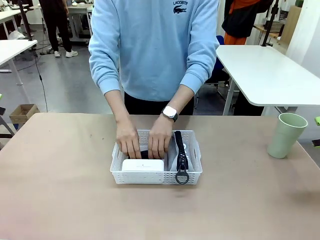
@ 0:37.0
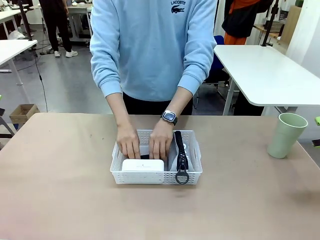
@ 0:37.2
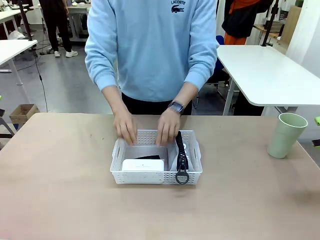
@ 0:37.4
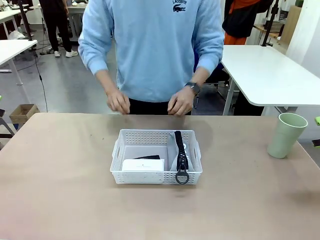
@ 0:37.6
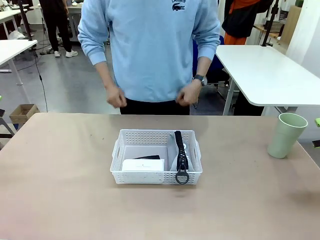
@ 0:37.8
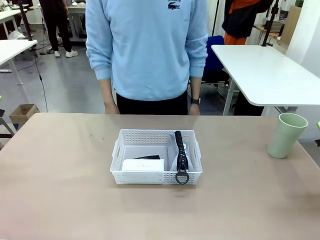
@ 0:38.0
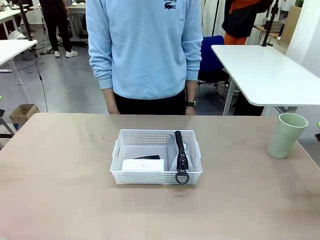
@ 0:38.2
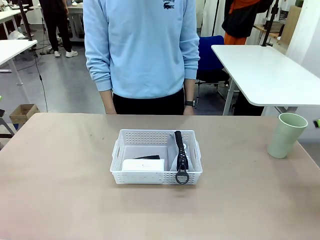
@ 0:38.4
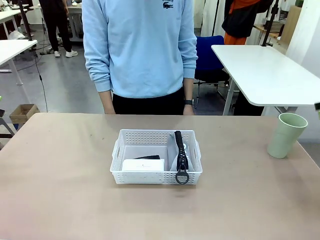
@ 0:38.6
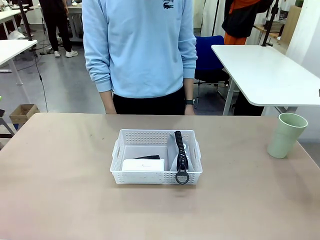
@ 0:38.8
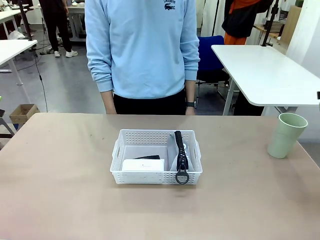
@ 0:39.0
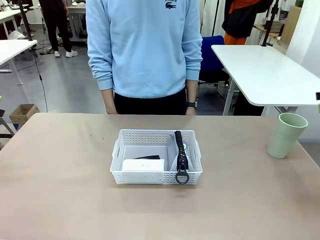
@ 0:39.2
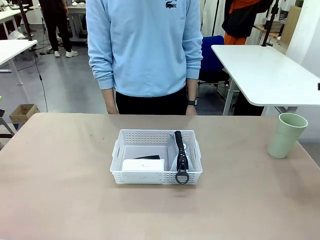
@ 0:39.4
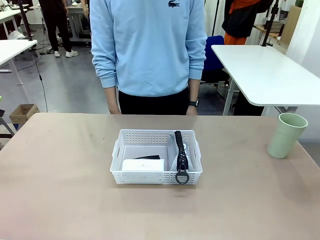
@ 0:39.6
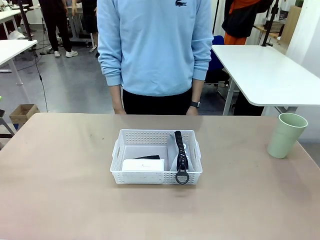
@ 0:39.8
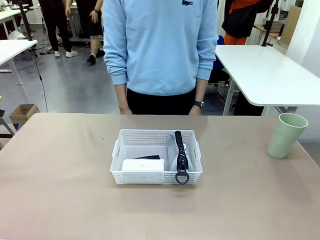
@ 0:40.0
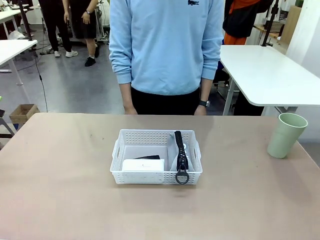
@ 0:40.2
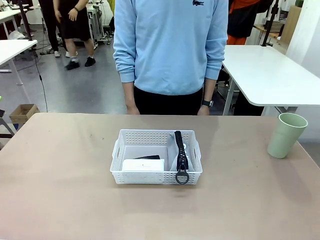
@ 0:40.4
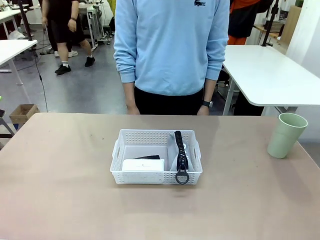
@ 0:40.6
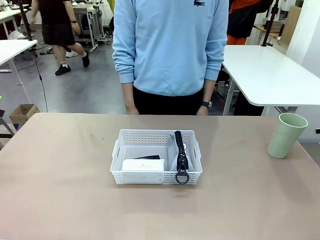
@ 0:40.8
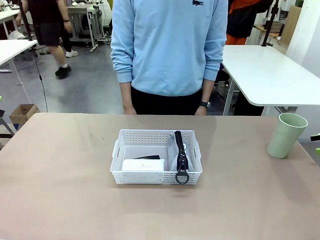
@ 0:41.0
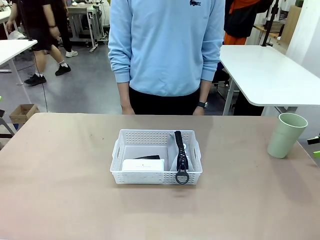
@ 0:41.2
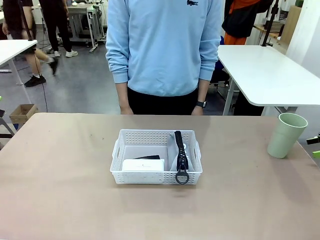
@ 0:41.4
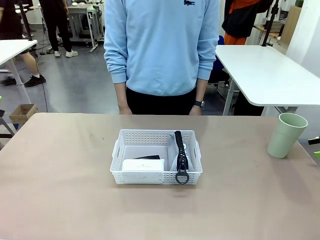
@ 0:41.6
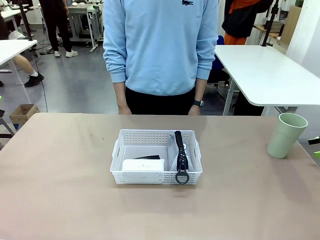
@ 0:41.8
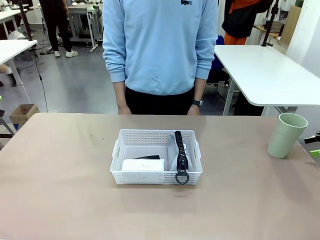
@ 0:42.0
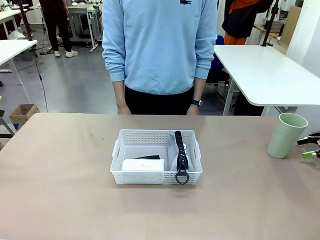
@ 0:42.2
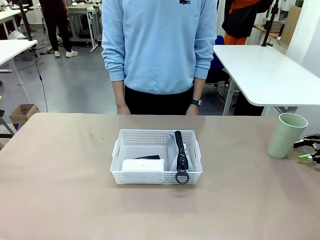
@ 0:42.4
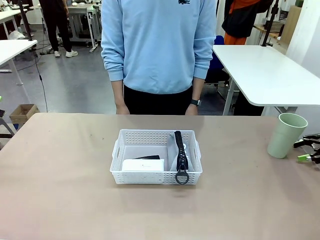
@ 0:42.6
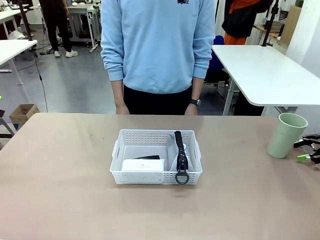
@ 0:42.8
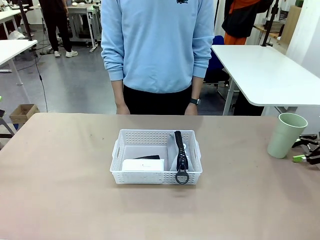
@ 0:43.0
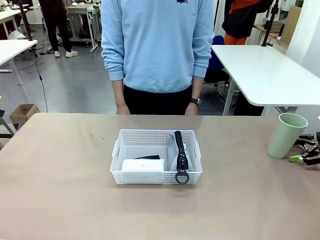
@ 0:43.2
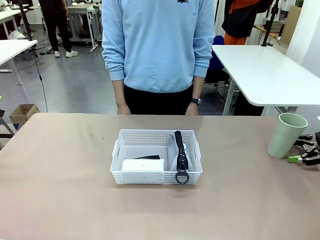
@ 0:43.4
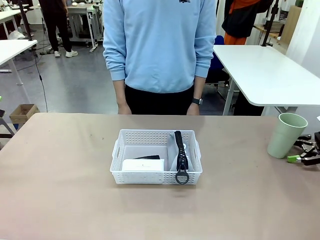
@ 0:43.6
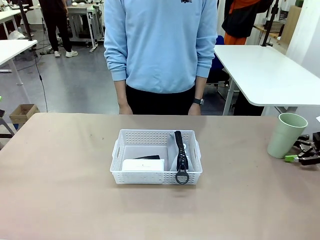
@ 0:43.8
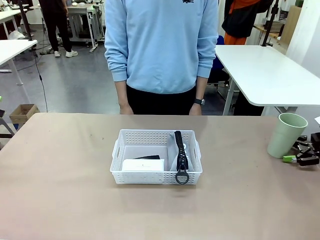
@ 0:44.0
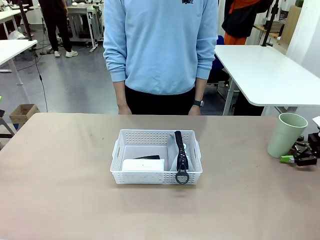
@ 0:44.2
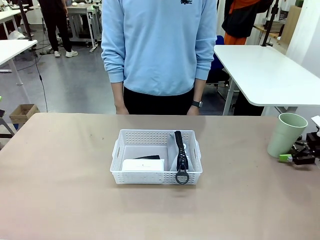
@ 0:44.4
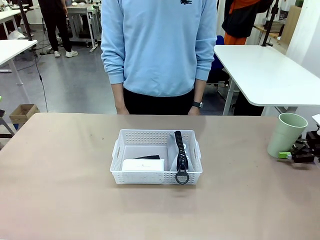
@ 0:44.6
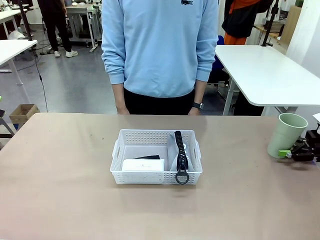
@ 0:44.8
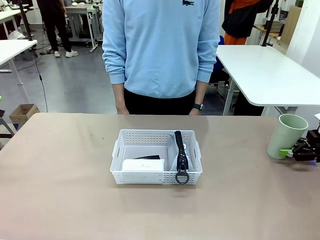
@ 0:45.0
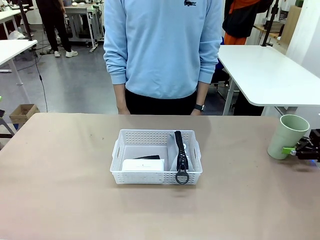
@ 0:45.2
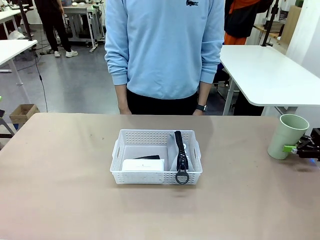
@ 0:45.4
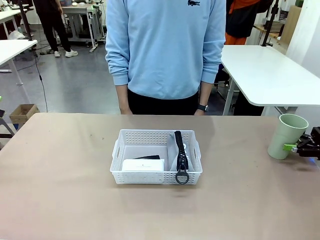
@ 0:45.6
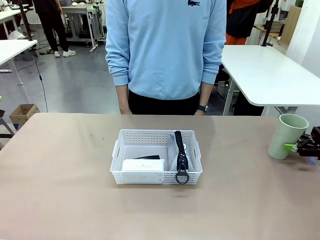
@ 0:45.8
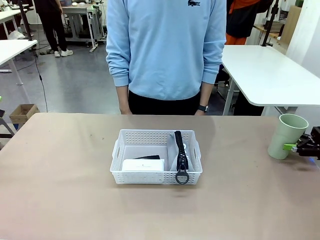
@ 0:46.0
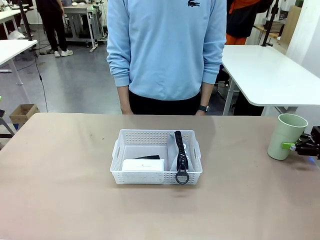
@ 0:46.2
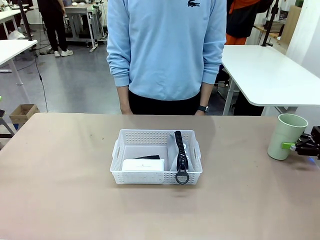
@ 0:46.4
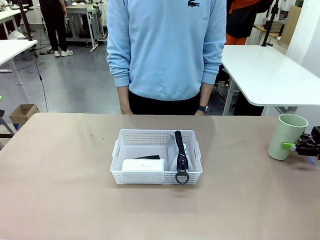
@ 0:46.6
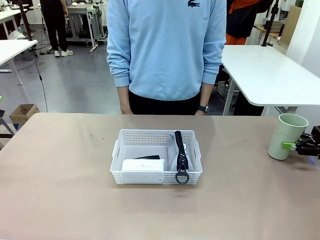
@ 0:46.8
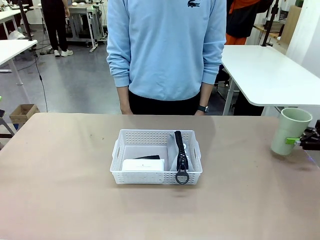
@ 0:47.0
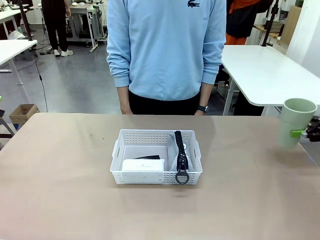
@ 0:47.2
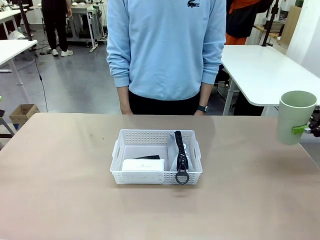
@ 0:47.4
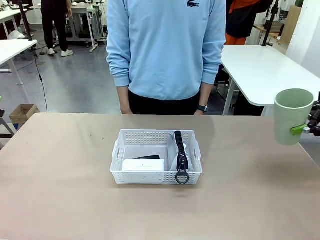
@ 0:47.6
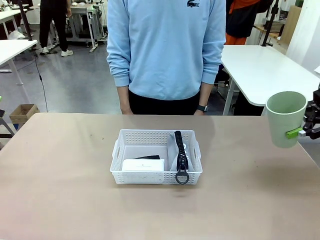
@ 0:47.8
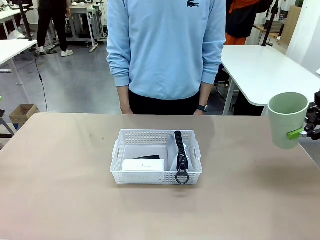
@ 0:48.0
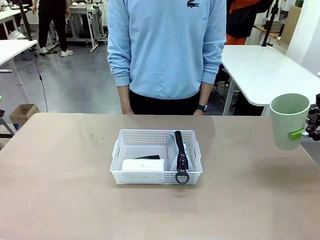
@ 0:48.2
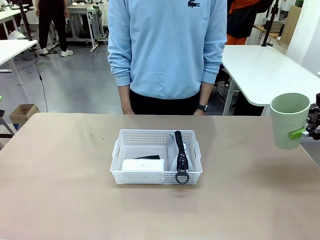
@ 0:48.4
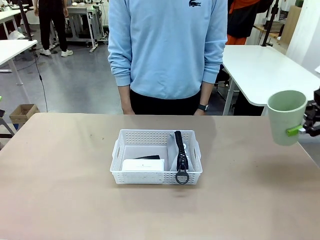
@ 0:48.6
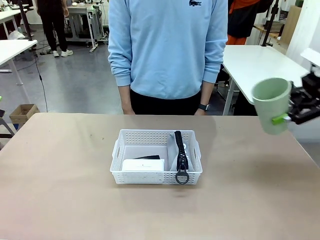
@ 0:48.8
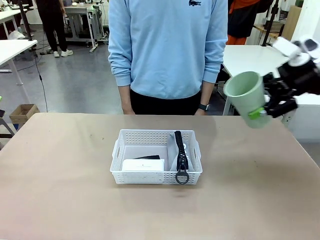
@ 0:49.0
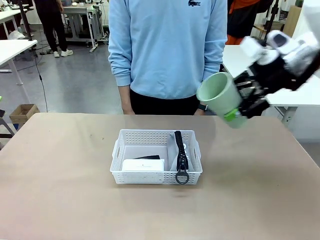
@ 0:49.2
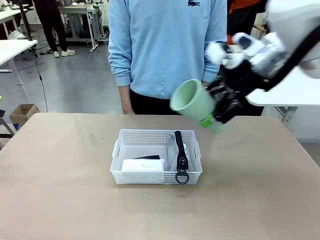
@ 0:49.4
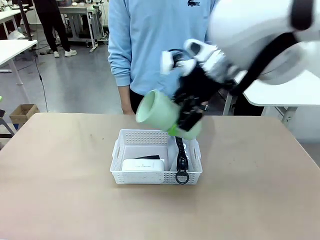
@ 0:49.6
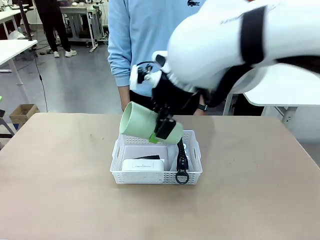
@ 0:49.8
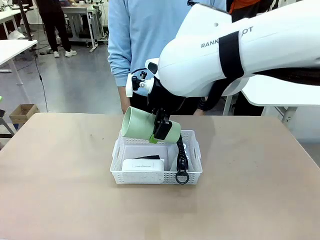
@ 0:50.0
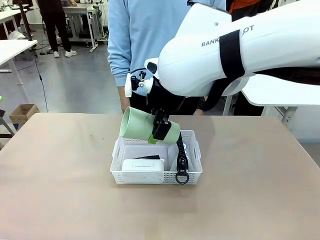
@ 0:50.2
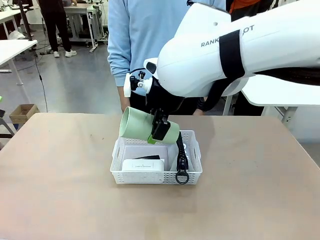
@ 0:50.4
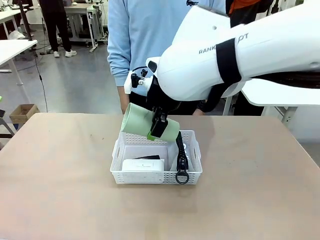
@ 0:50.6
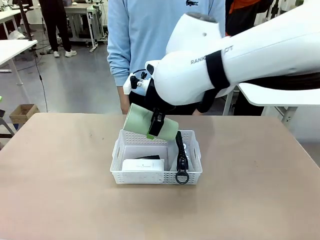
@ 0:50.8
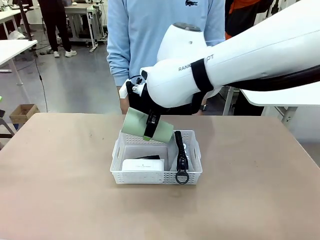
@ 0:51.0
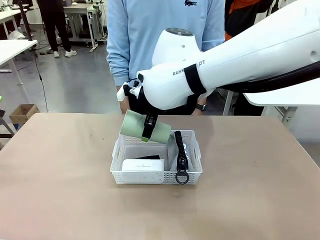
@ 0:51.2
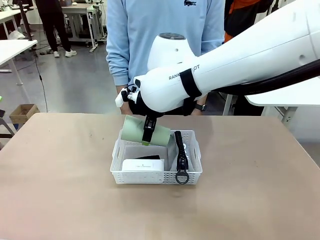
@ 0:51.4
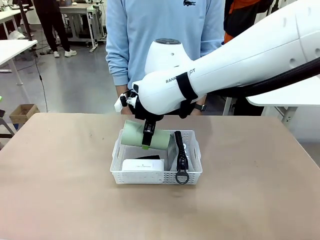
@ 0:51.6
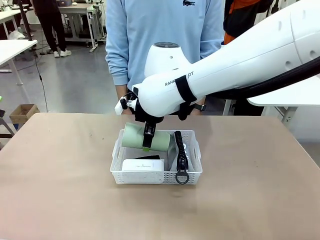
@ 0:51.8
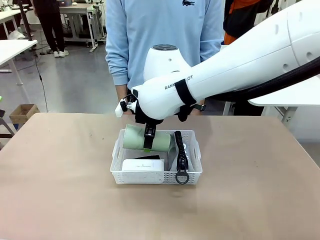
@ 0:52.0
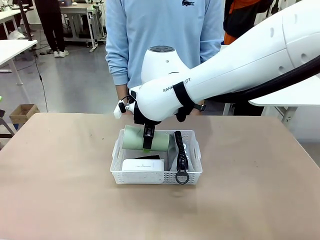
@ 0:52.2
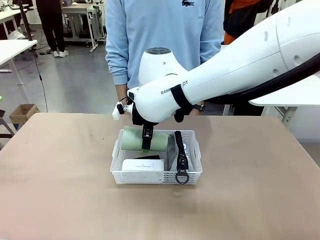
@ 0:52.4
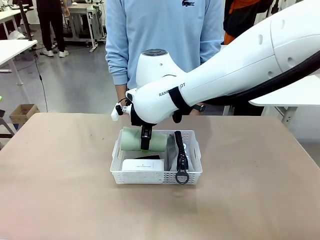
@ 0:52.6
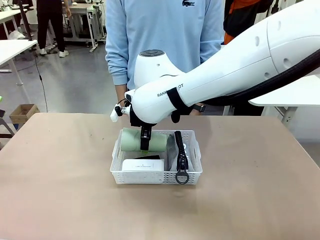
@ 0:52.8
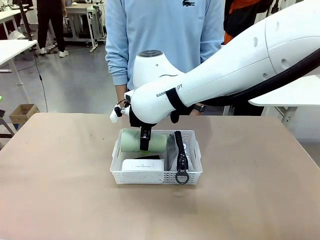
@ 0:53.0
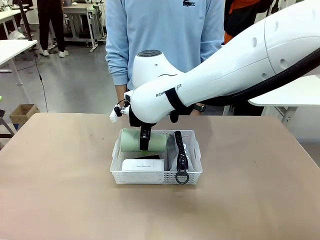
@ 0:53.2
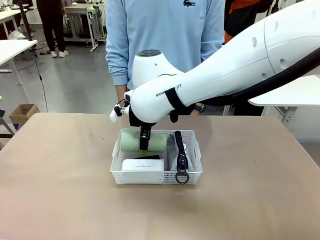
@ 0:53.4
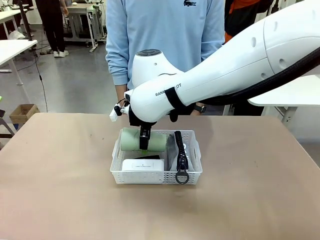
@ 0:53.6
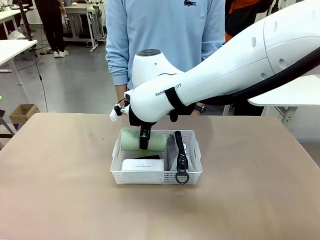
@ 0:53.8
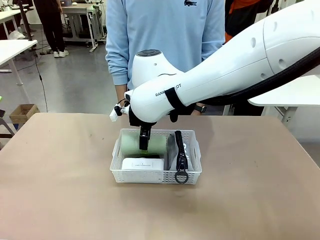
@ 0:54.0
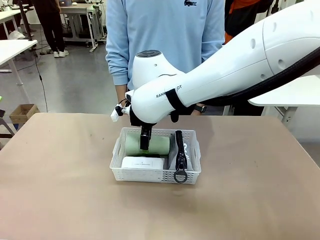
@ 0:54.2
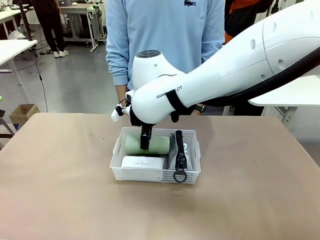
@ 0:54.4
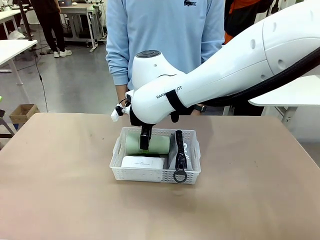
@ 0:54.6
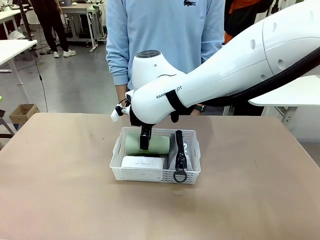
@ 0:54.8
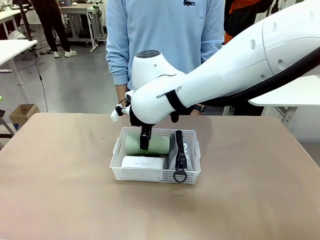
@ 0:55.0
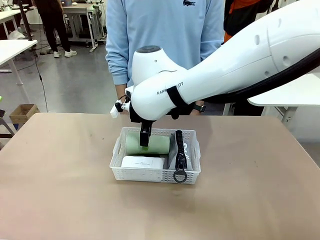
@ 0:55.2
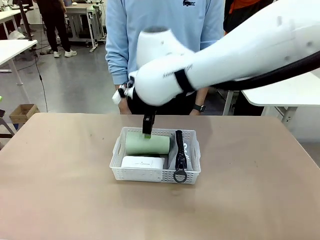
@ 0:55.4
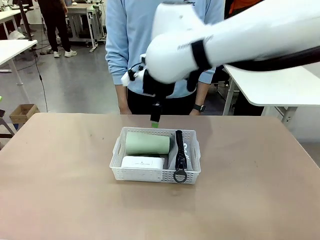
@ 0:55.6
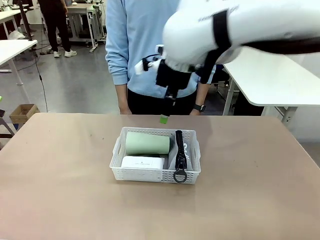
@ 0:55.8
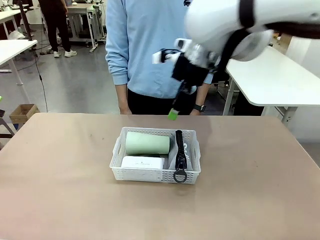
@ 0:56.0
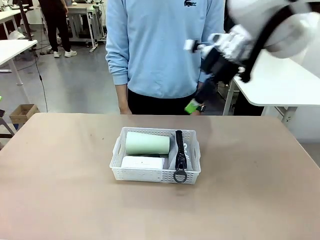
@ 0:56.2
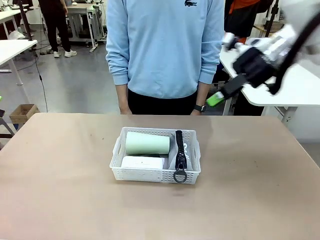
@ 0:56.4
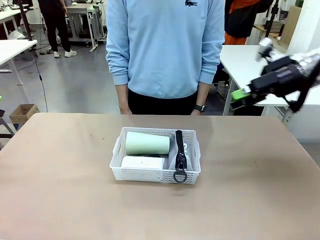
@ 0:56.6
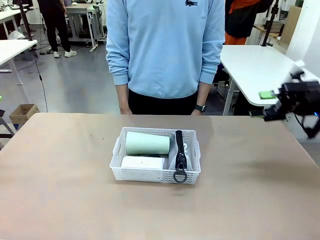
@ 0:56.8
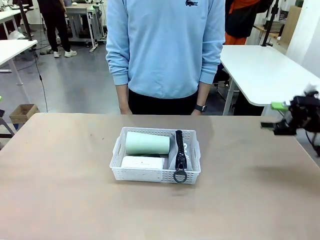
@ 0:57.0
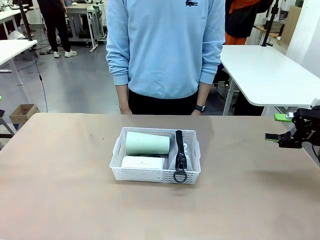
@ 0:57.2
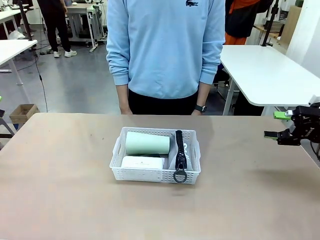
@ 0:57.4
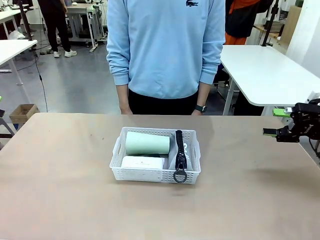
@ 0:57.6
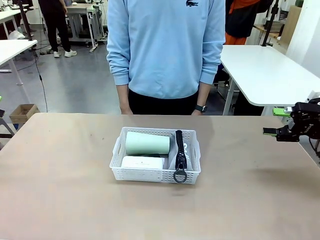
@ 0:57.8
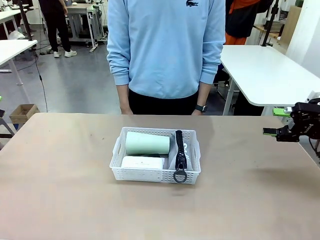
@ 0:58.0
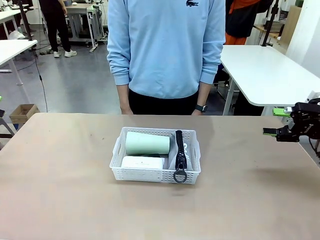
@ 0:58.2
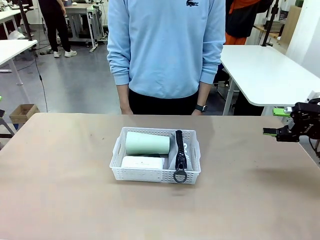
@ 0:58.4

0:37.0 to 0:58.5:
Task: Efficiently arrange items inside the basket to fit them all.
Robot: Pick up the Reusable plastic cup and place it inside the Organizing basket.
Person: Repositions the stapler.
